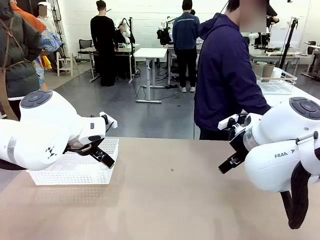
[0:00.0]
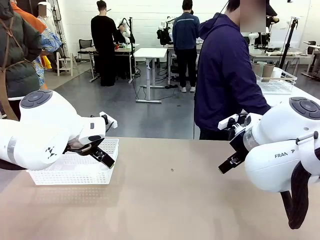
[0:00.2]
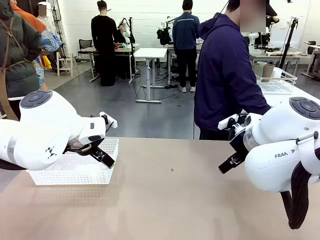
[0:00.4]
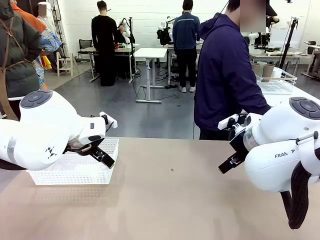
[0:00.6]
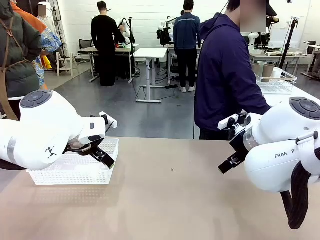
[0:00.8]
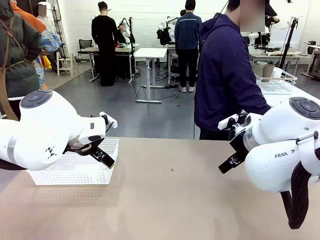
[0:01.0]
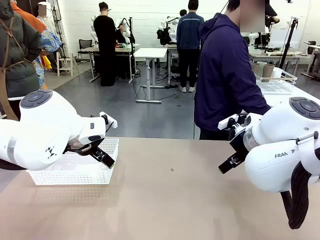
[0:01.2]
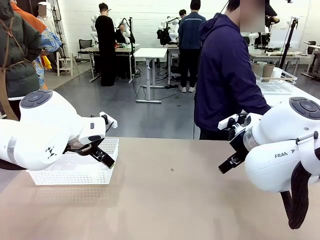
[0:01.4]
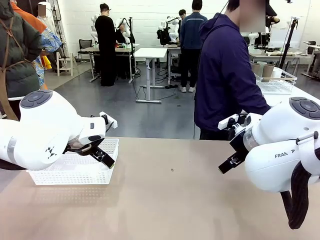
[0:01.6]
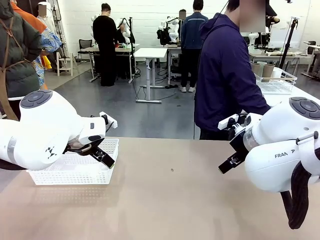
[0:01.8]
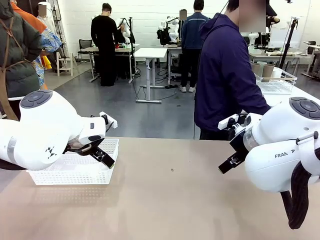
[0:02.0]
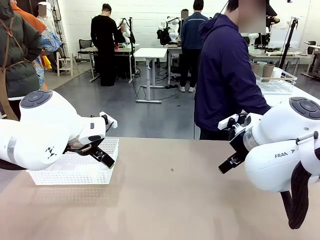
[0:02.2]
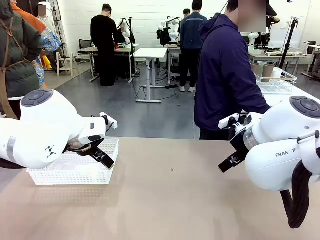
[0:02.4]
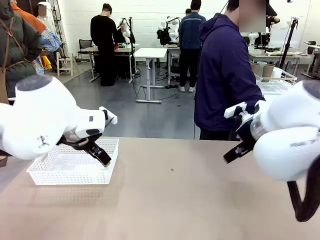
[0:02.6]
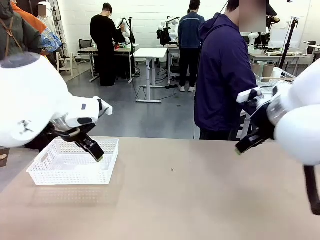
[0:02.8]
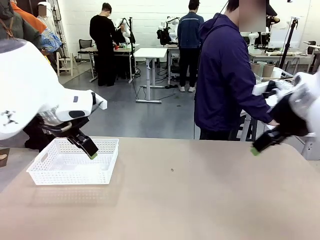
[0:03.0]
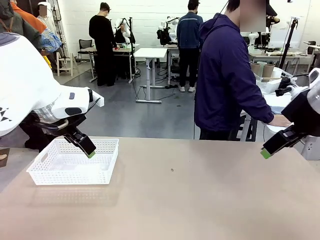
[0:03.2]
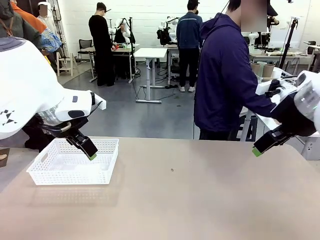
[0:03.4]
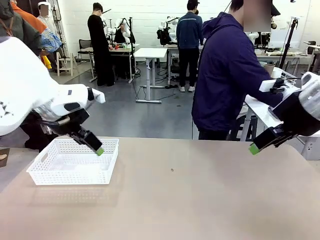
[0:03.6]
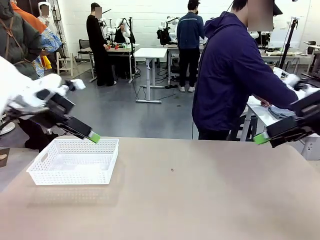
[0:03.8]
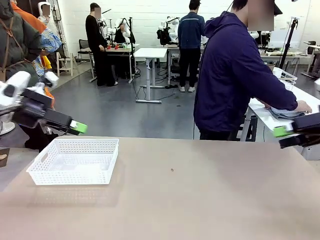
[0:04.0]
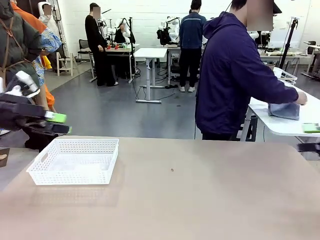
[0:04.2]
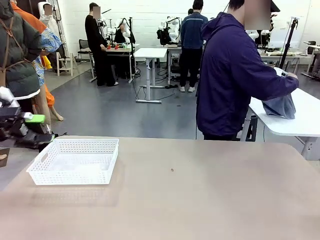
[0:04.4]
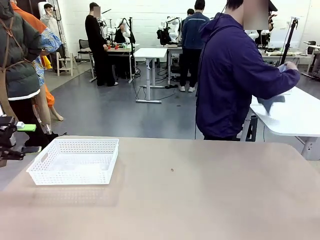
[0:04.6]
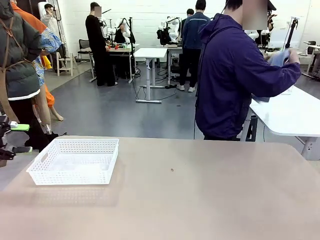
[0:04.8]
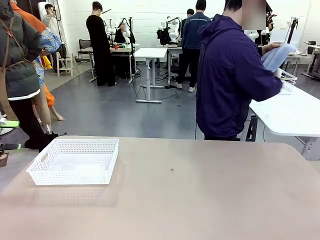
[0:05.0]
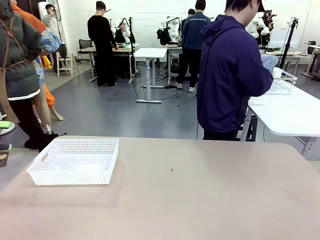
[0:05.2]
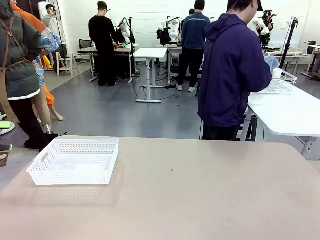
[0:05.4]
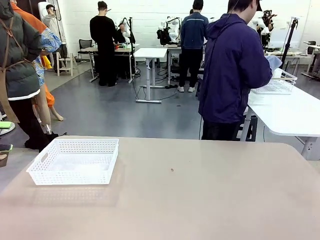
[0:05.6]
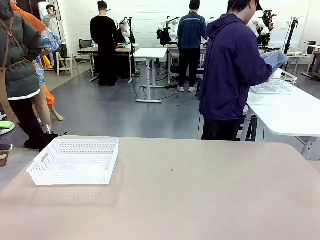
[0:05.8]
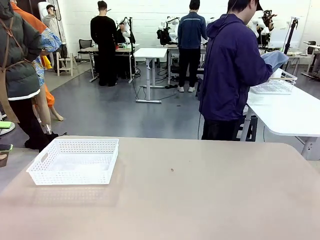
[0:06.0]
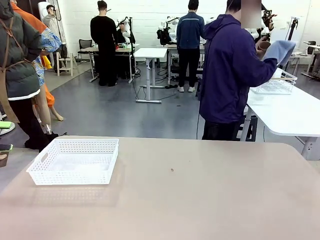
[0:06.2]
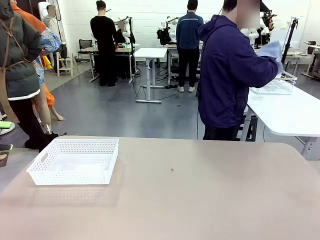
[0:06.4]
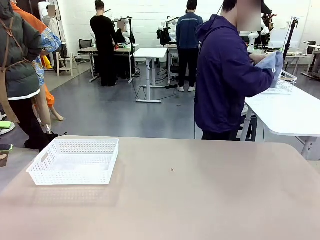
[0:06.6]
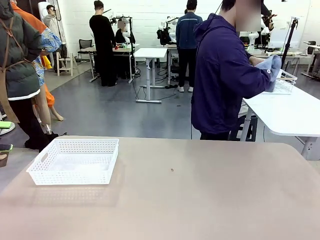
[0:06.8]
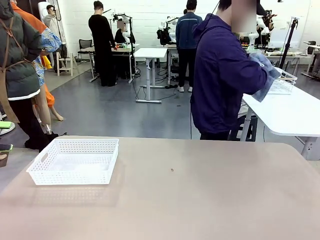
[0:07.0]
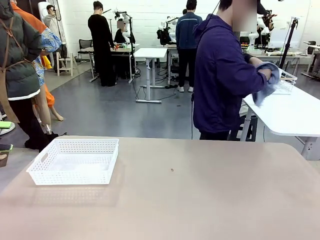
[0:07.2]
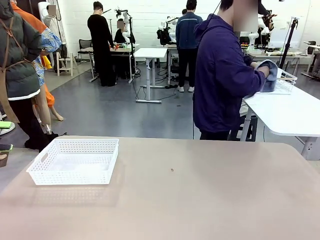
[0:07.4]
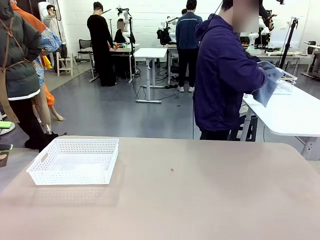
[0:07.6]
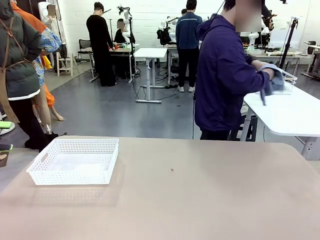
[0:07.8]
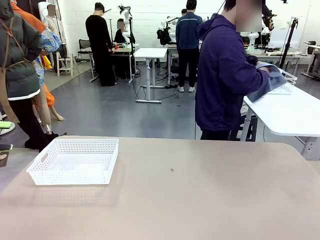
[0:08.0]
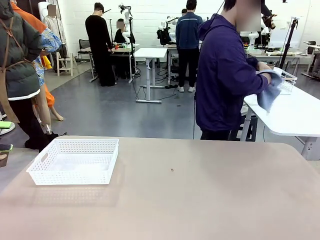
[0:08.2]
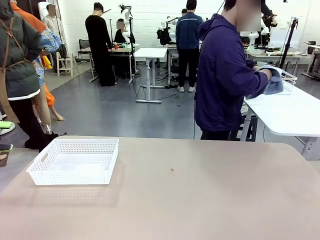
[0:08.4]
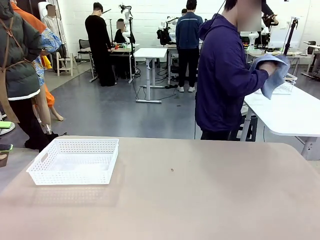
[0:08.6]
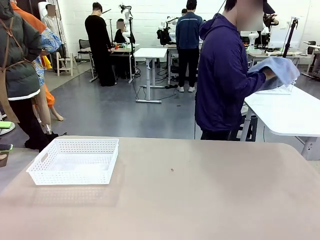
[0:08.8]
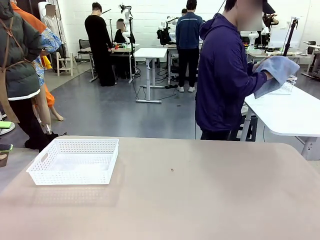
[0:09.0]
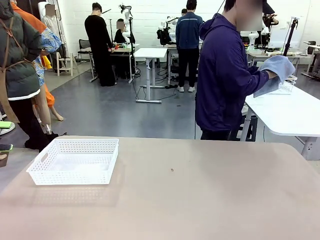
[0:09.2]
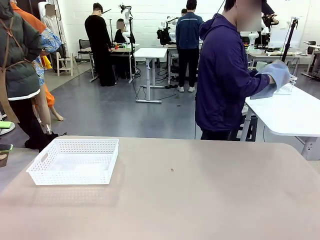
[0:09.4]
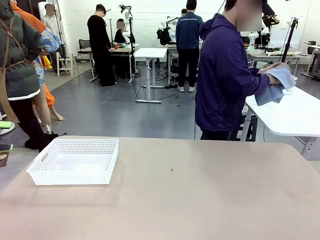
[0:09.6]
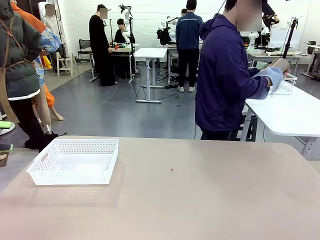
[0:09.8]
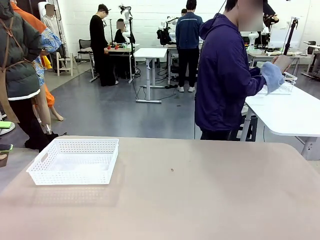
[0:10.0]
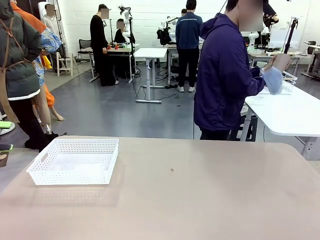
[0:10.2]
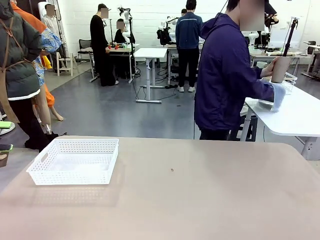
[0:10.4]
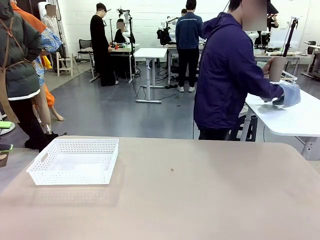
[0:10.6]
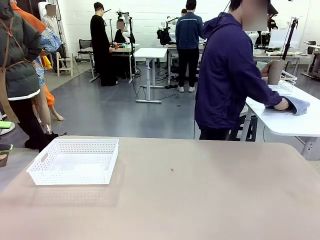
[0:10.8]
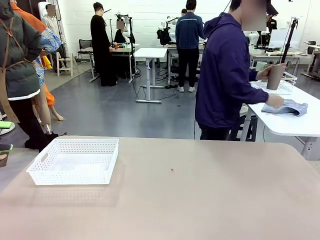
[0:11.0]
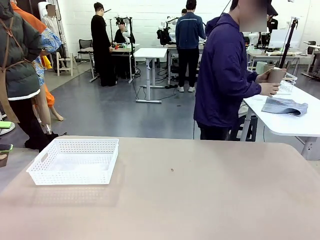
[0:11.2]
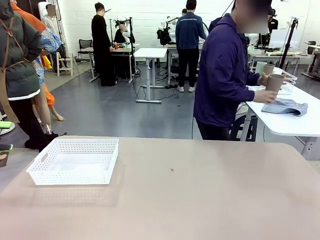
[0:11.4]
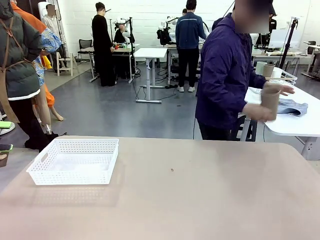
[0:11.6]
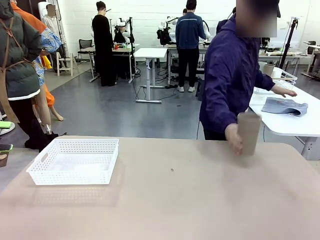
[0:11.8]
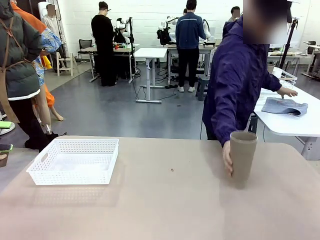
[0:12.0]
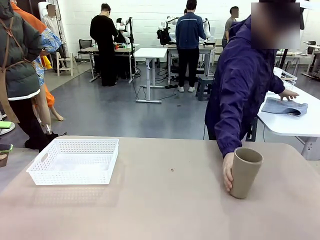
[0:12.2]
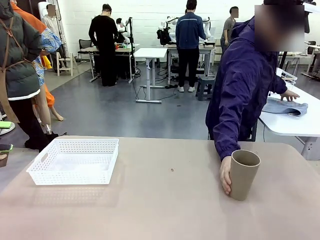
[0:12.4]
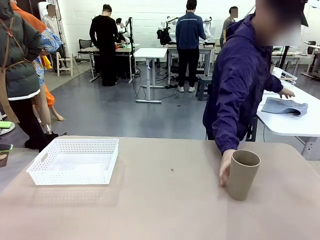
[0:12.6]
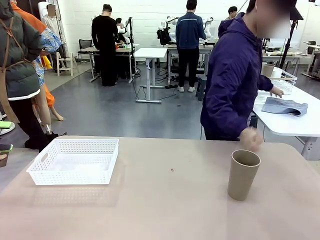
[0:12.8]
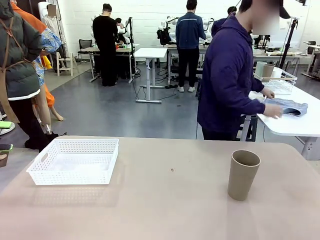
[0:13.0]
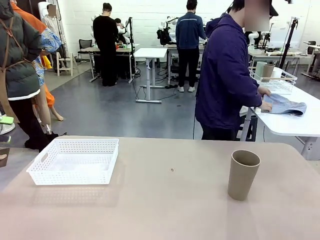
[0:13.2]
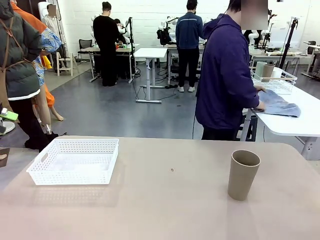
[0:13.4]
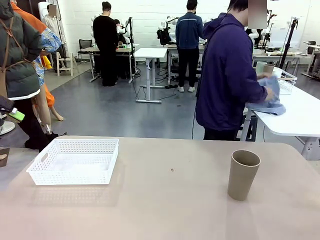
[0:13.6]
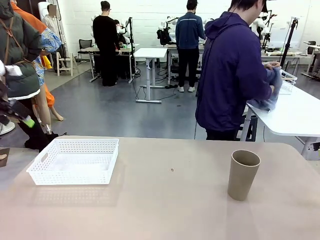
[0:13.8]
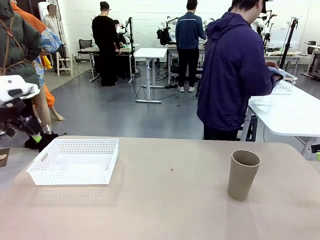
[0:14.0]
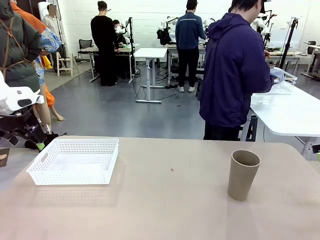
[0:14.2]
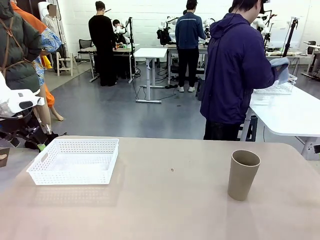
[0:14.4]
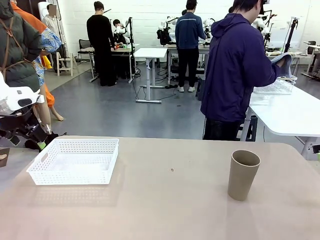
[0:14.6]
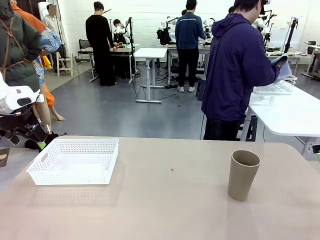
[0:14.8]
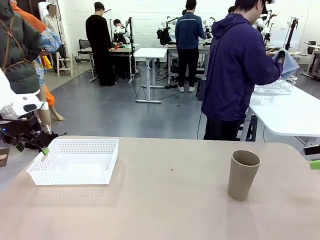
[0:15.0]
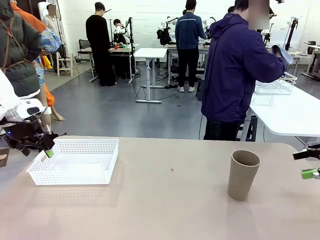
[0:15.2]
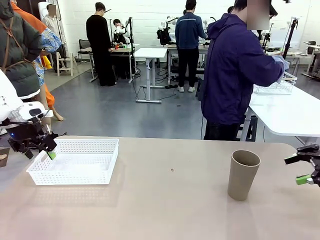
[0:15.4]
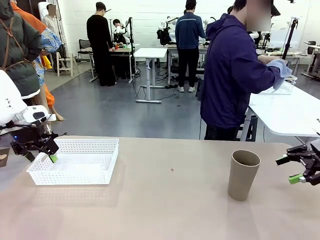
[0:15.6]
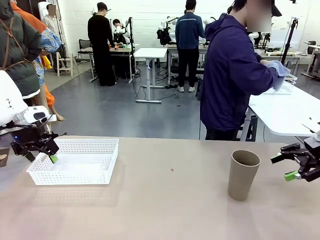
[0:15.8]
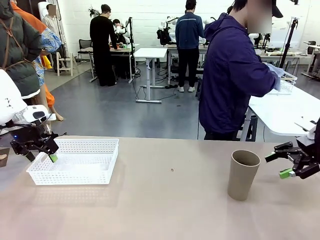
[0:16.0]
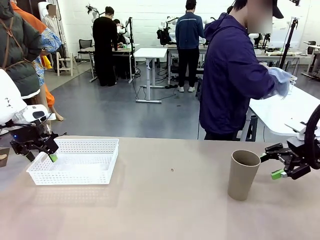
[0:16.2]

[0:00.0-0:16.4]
Task: Clean and organize the cups into the basket.
Robot: Pick up the Organizing basket and move it to the center of the table, then pick up the Reusable plastic cup from the right side of the table and place it inside the Organizing basket.
Person: Picks up a cup and a towel, cleans the cup with the towel, and places it on the left side of the robot table.
